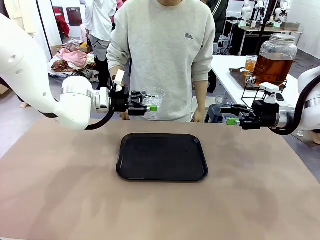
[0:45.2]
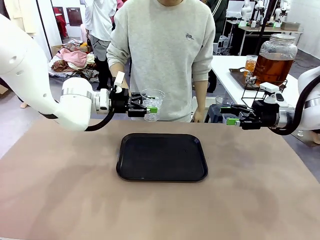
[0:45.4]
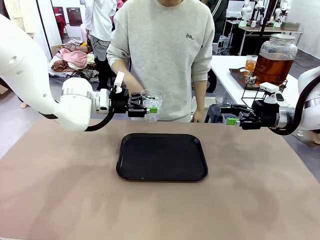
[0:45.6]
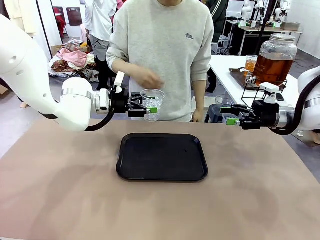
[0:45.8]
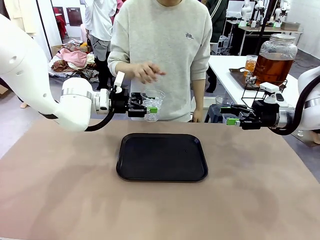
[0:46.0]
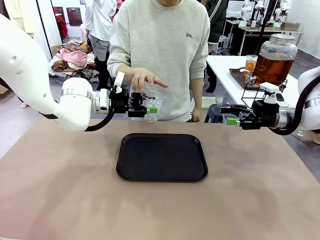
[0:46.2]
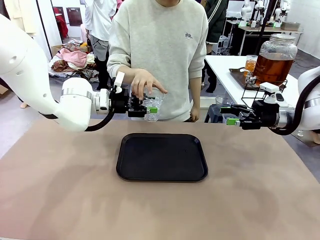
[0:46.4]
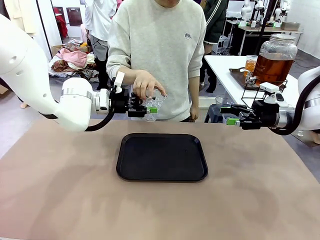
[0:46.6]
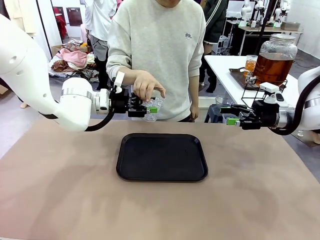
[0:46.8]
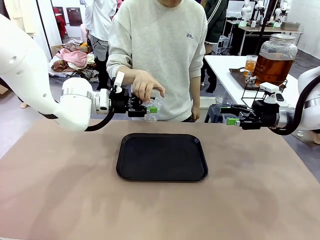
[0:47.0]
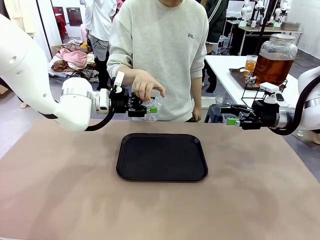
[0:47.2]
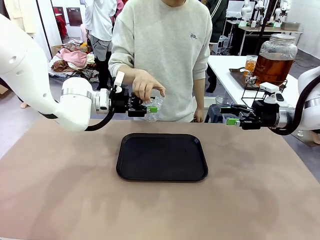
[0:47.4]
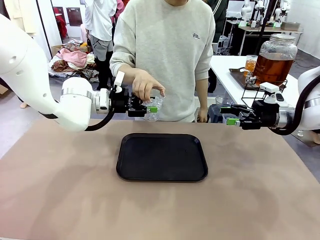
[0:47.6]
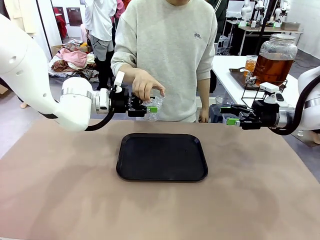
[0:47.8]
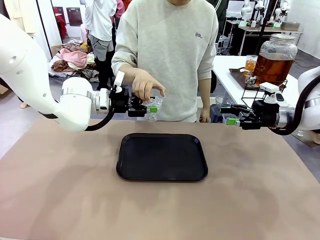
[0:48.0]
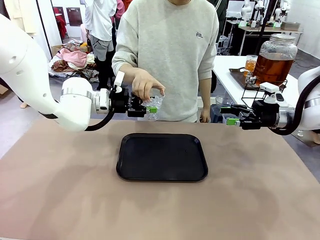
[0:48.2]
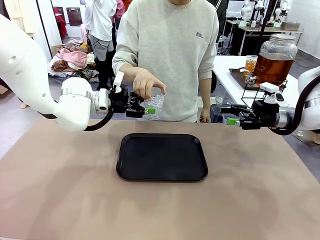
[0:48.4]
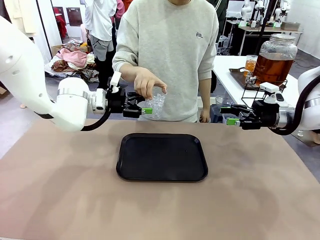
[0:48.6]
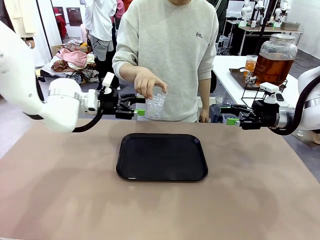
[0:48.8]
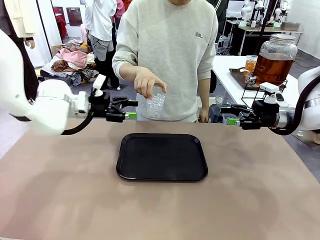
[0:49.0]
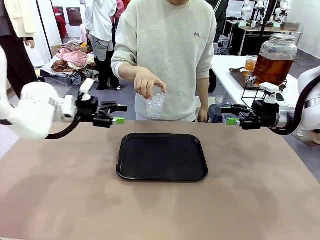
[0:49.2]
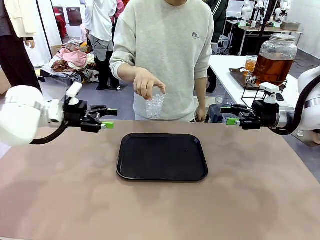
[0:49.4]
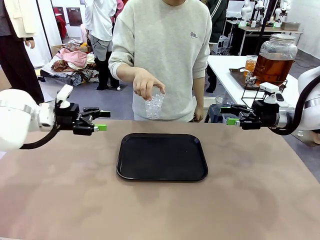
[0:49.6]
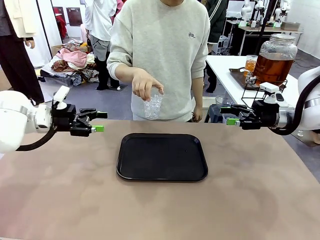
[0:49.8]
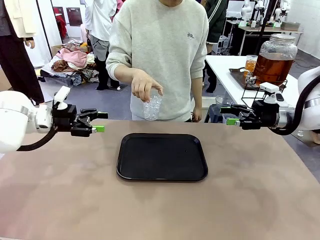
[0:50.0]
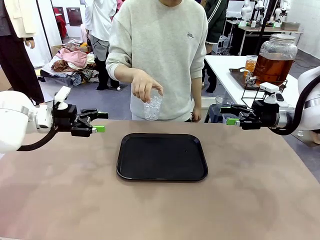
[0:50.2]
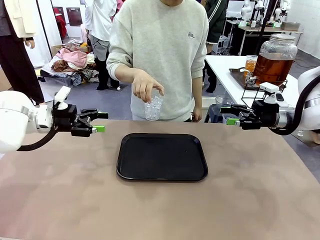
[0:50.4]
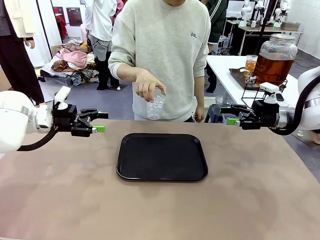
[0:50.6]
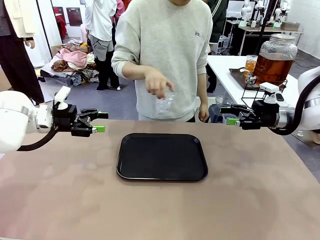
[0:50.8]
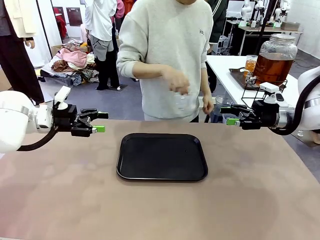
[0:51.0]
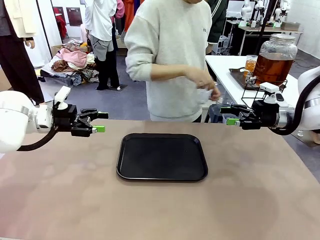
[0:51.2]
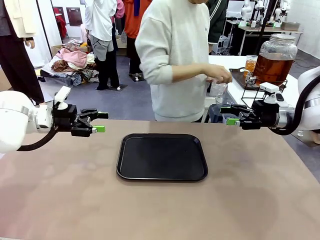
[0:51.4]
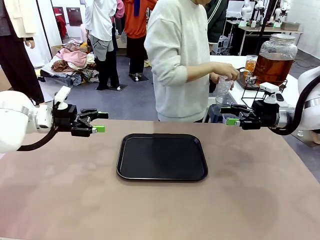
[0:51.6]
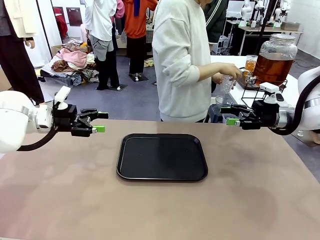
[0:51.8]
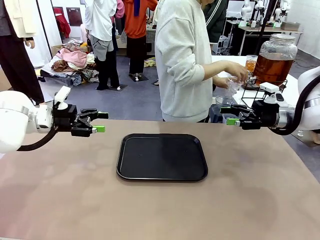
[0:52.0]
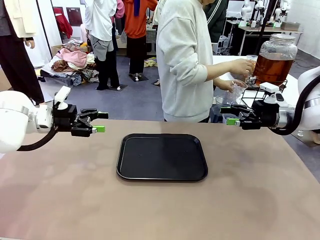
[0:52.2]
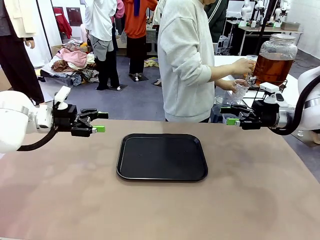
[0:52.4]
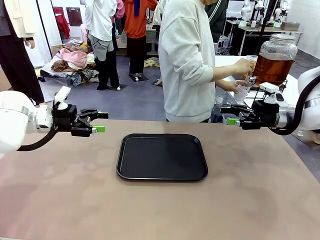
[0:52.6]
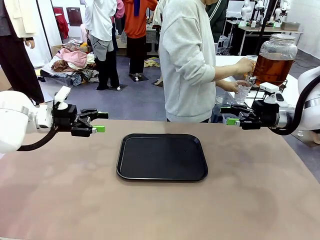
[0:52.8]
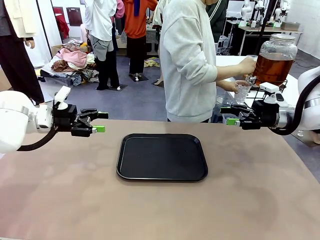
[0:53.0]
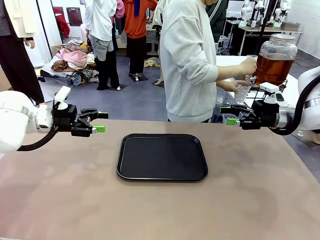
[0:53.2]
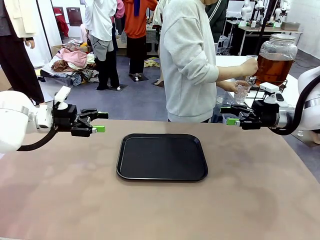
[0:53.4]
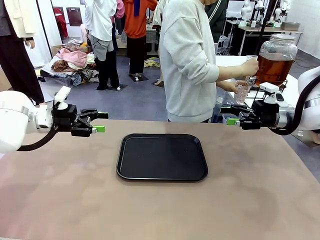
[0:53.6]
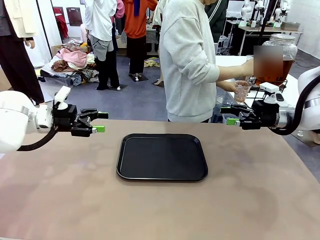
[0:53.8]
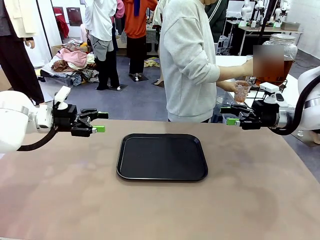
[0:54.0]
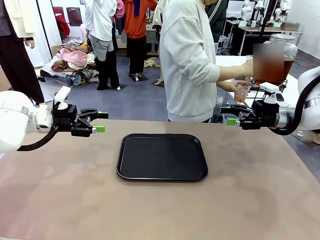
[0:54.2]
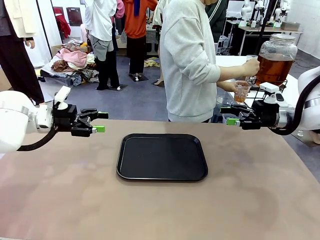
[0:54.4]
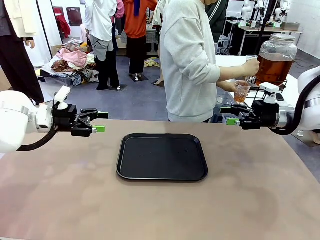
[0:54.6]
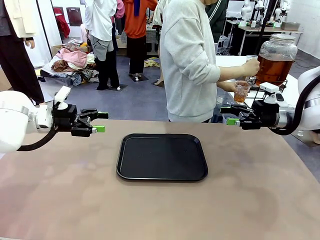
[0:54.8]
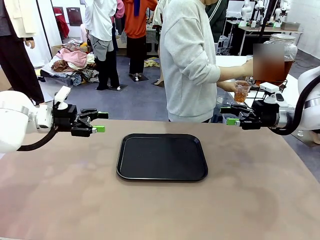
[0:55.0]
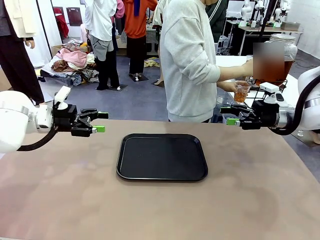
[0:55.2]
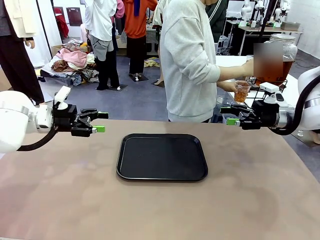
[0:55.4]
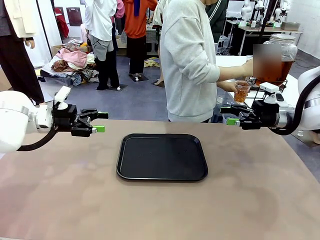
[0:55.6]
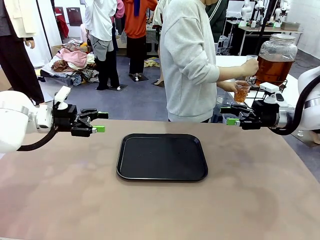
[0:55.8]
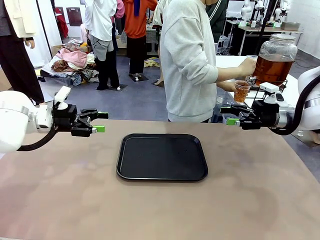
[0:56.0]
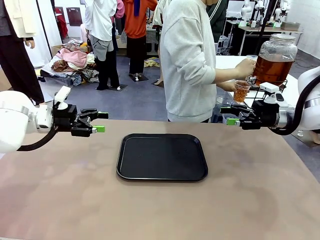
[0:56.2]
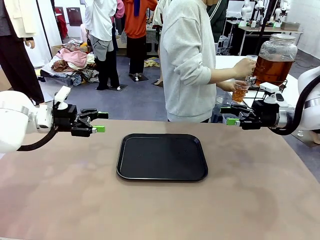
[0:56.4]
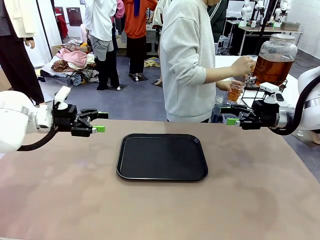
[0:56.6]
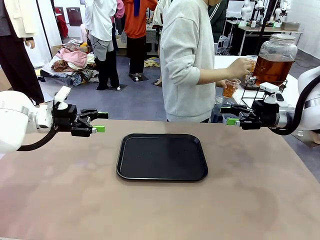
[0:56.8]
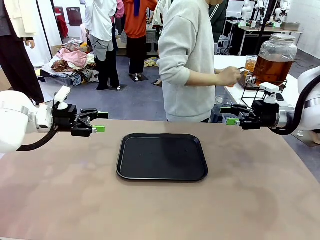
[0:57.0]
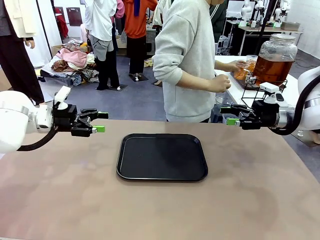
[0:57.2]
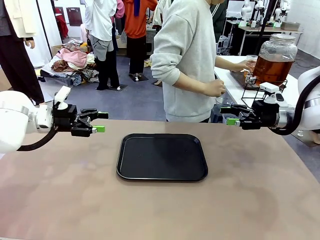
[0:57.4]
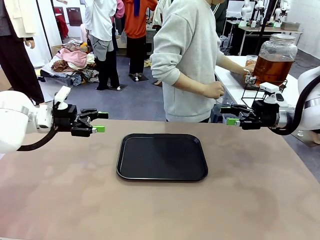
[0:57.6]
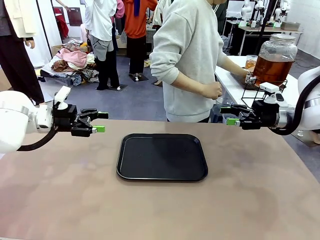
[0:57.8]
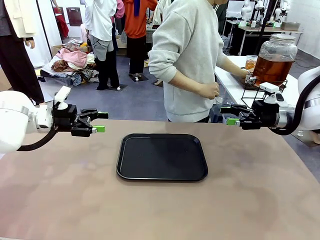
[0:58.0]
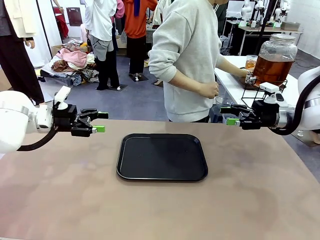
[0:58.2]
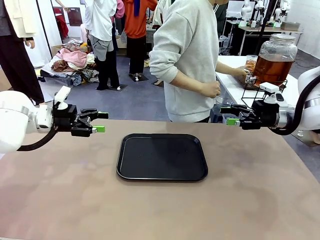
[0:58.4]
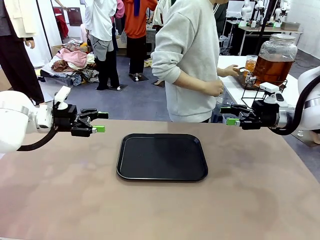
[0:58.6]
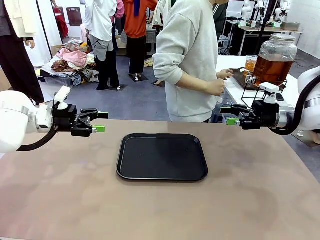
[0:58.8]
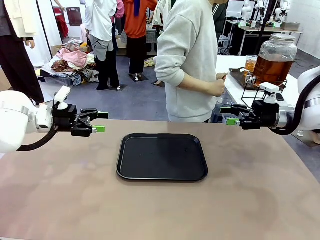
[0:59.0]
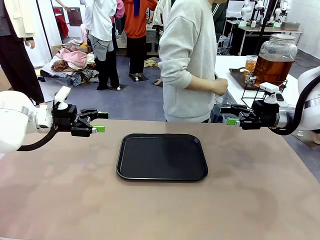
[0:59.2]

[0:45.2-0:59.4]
Task: Pour the drink into the iced cup.
Robot: Open the gripper to release the iced cup you were holding.
Person: Move the picked-up cup under the dispenser faucet, pour the drink, and place it on the tray on the human table.

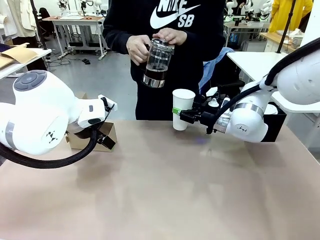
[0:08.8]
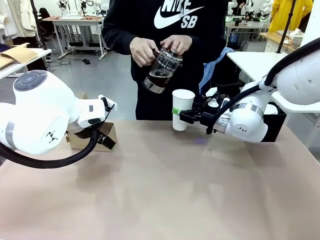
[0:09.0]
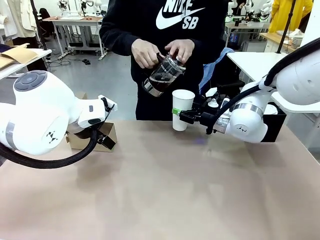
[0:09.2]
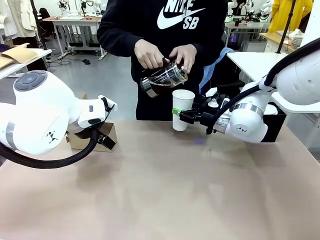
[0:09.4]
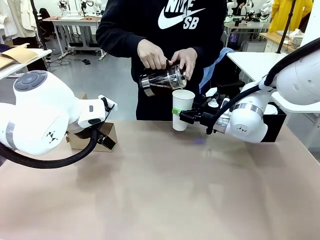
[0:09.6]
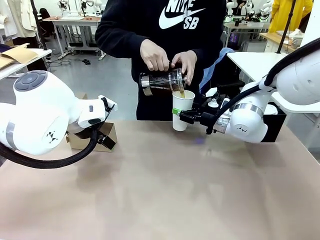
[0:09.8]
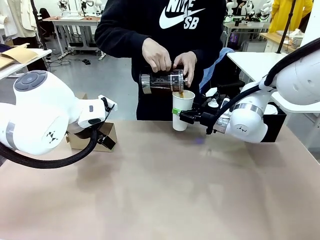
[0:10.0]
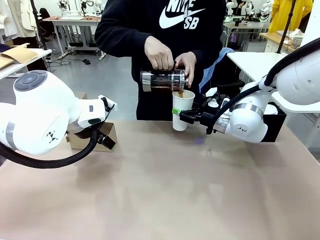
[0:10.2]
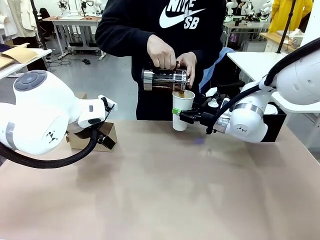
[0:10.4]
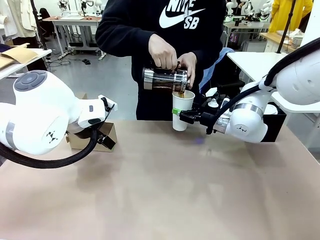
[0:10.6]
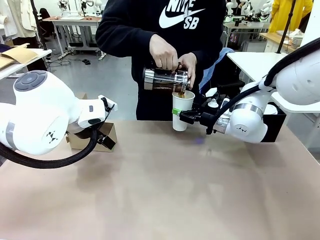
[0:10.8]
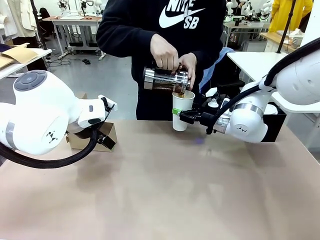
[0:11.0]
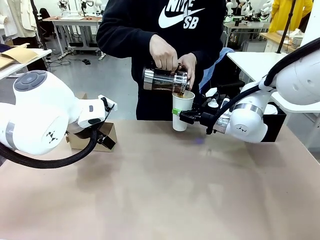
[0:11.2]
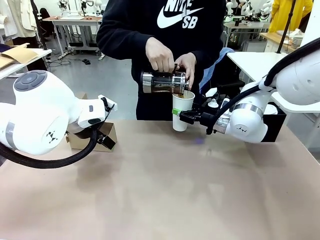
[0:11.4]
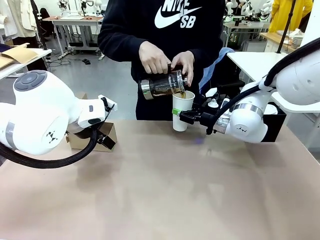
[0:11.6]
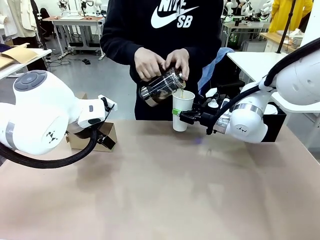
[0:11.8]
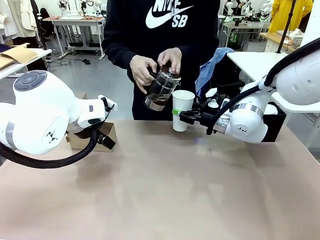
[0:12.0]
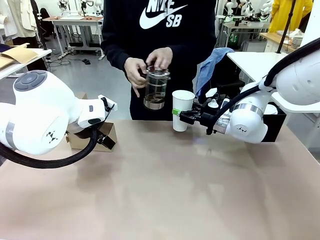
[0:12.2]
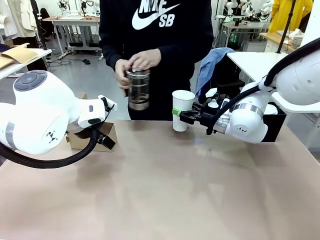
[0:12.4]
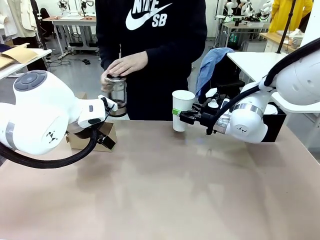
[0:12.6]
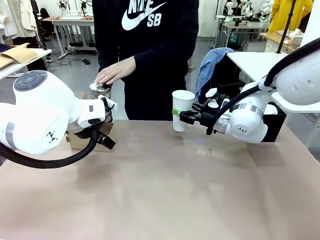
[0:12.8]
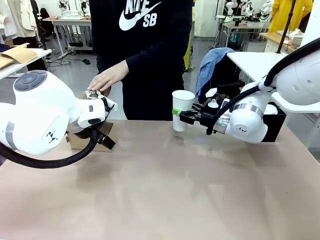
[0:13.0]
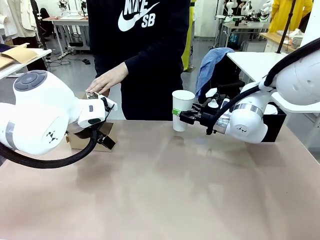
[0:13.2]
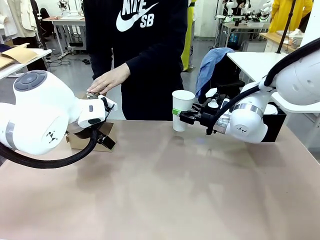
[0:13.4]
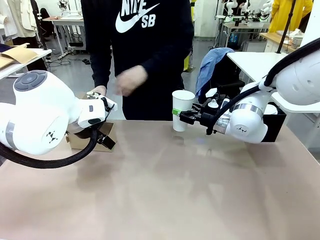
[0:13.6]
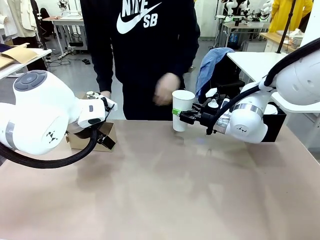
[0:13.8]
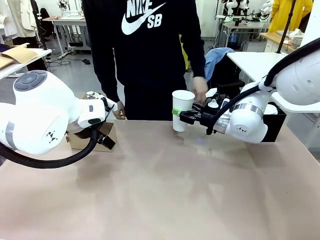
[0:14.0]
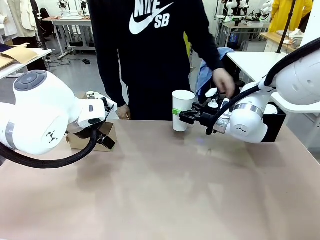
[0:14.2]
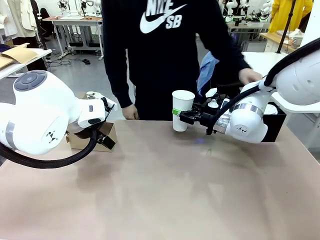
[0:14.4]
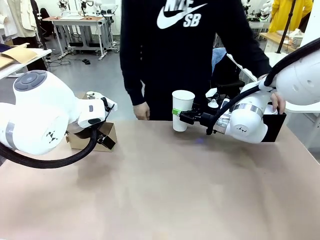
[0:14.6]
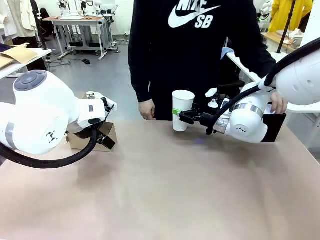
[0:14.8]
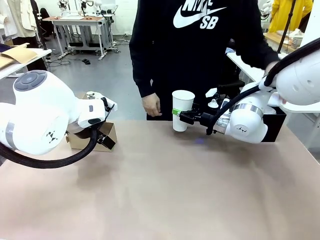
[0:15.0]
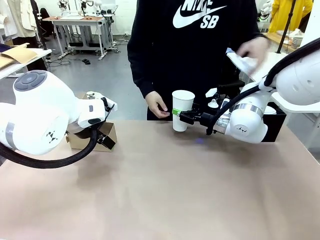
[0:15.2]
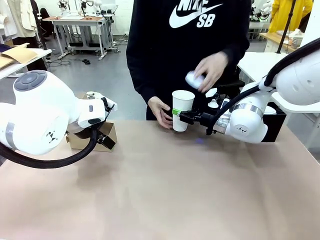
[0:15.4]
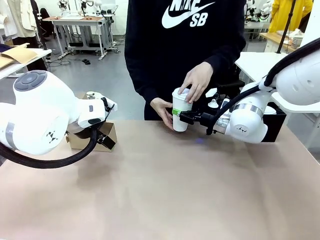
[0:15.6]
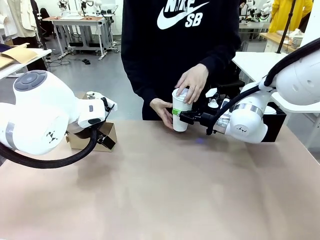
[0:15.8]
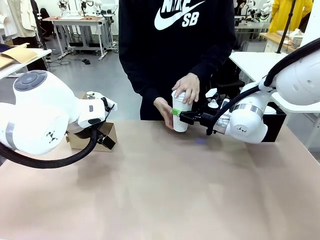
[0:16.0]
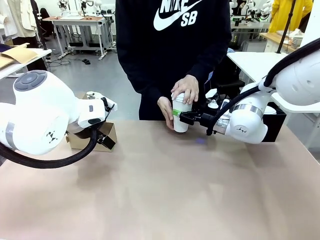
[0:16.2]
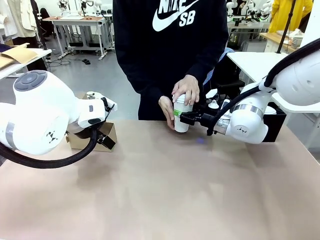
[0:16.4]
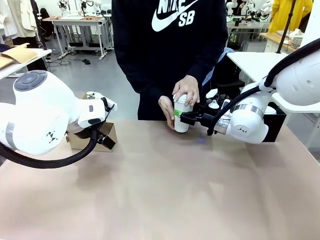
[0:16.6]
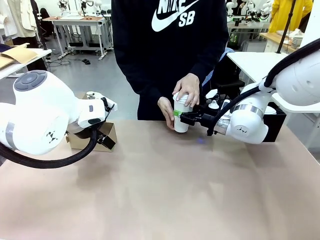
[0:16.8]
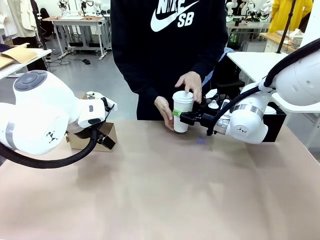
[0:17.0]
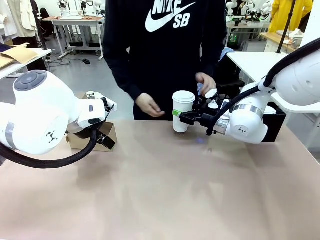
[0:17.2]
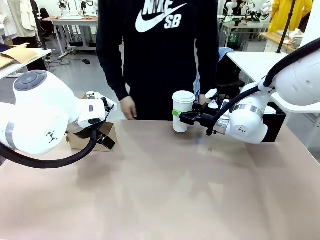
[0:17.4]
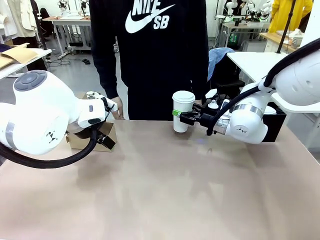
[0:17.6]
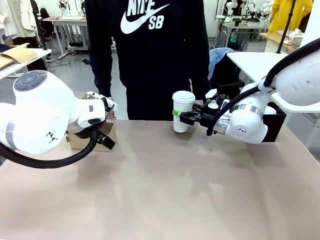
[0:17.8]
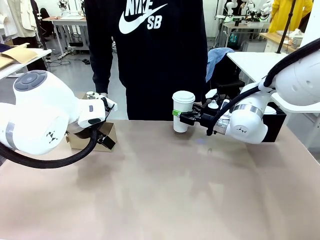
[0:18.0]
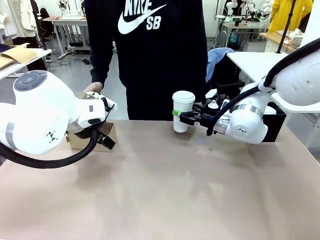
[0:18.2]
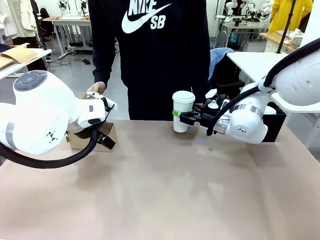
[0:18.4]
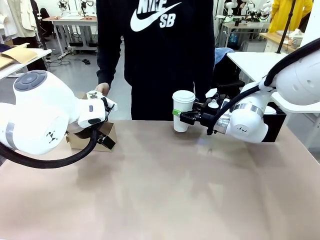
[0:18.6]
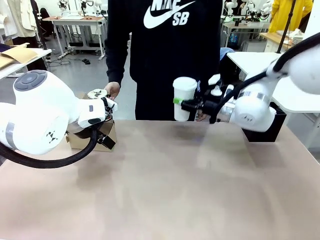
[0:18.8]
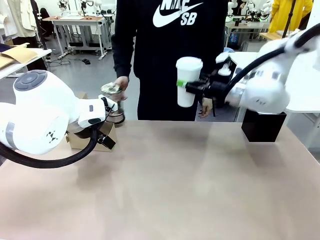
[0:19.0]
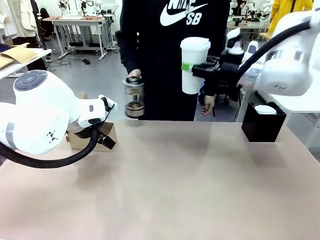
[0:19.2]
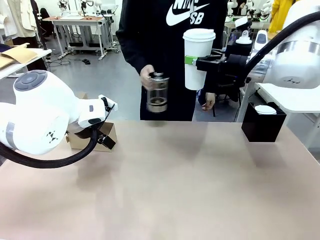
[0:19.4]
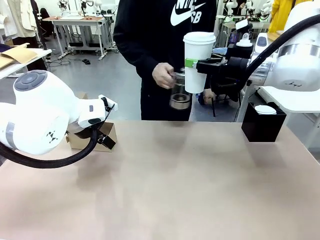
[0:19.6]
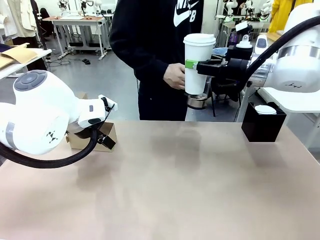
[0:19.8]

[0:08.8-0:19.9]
Task: Pour a drink into a cup and package it in a carrier.
Robot: When a person places the Paper Cup Lid on the 600 ml Paper Cup , lift the 600 ml Paper Cup.
Person: Pour the drink from the Filter Brewing into the 600 ml Paper Cup. Place a Paper Cup Lid on the 600 ml Paper Cup.
